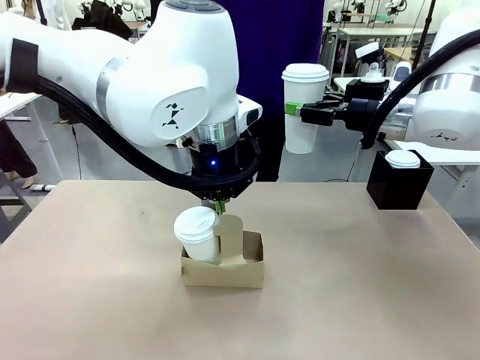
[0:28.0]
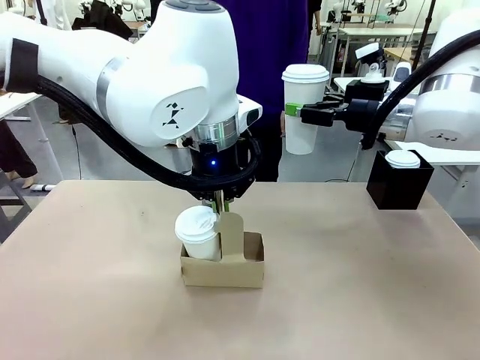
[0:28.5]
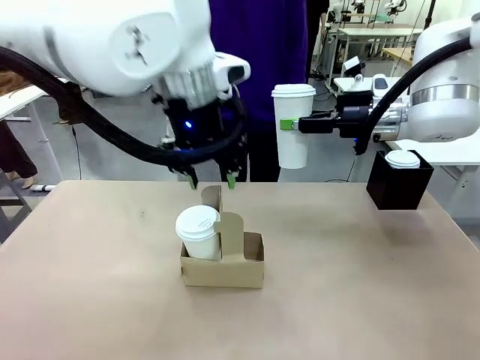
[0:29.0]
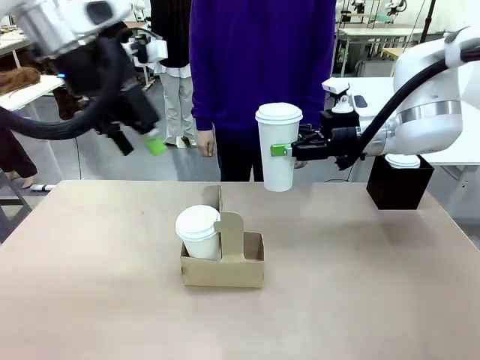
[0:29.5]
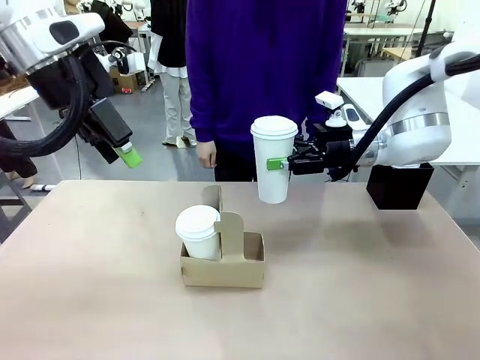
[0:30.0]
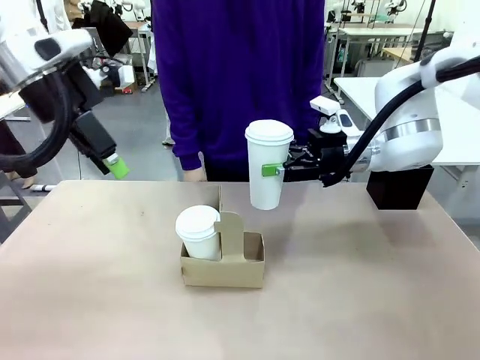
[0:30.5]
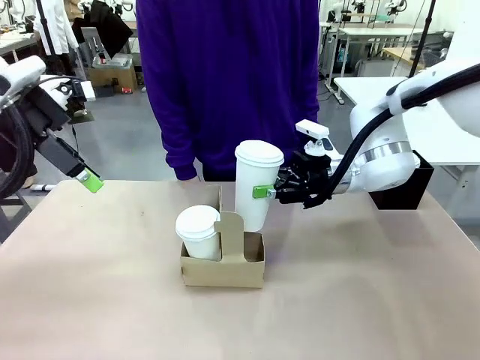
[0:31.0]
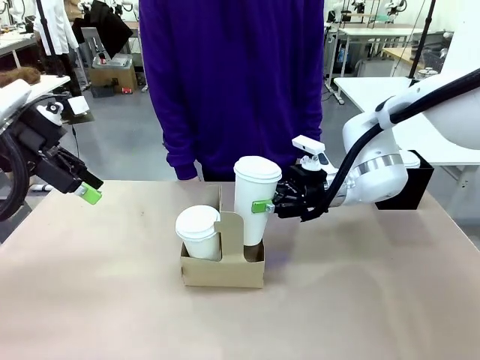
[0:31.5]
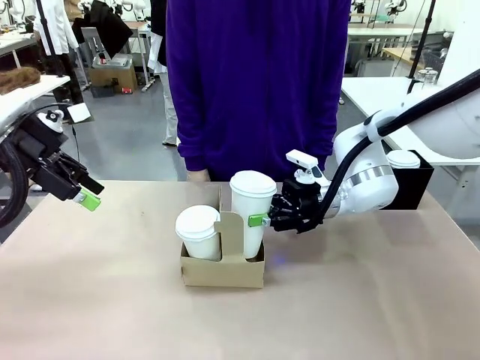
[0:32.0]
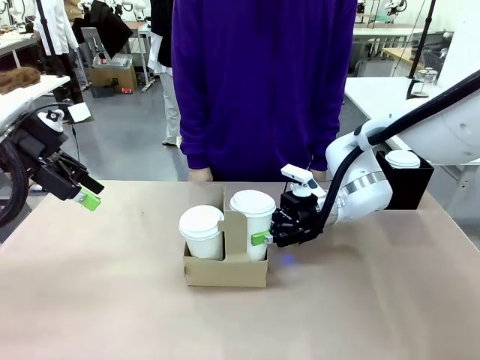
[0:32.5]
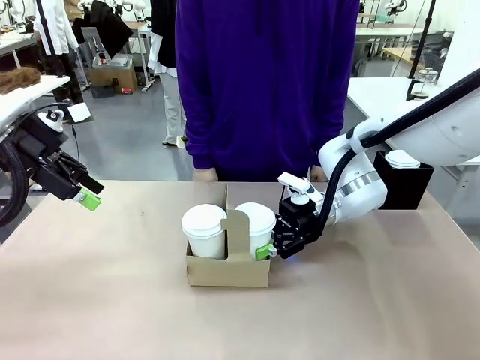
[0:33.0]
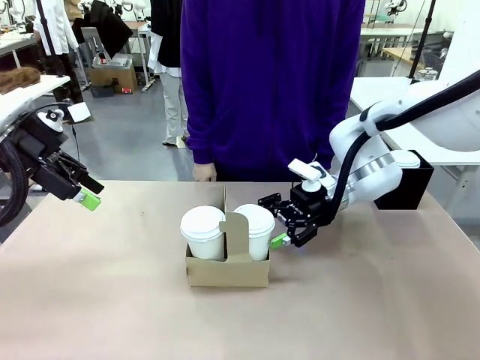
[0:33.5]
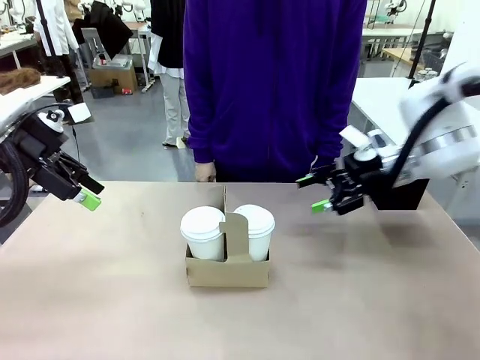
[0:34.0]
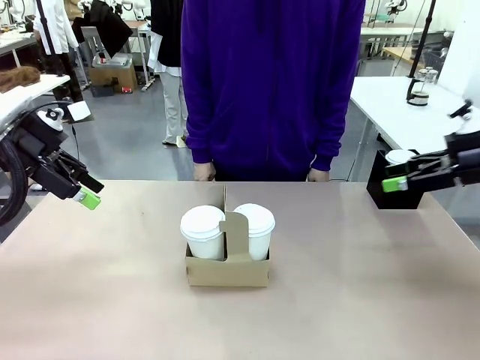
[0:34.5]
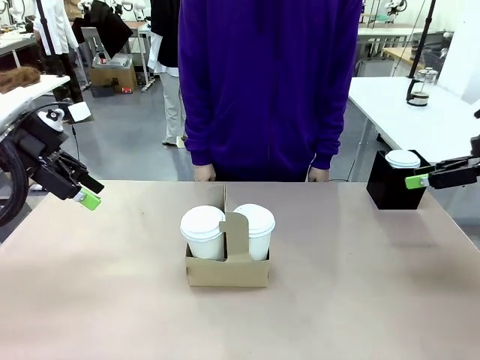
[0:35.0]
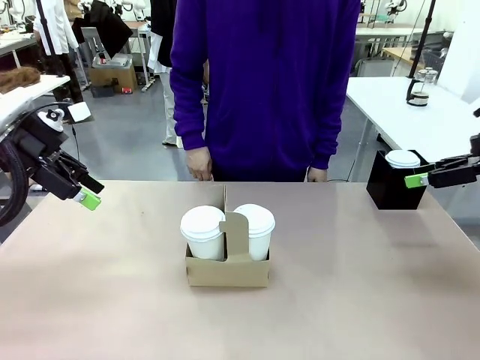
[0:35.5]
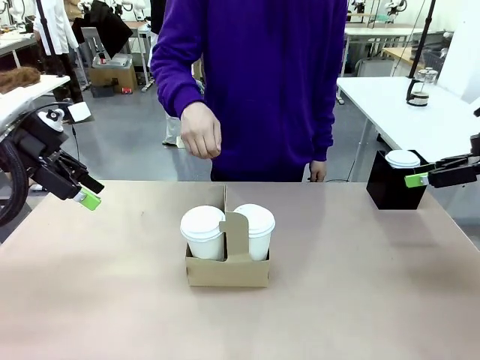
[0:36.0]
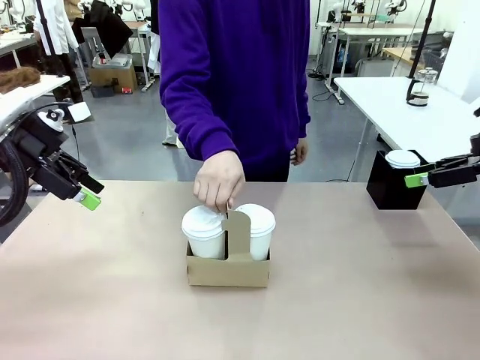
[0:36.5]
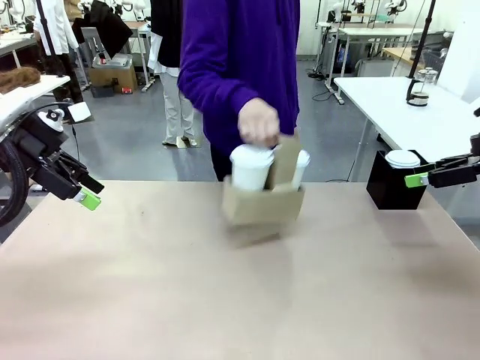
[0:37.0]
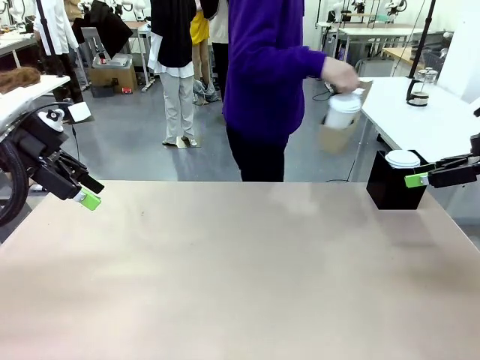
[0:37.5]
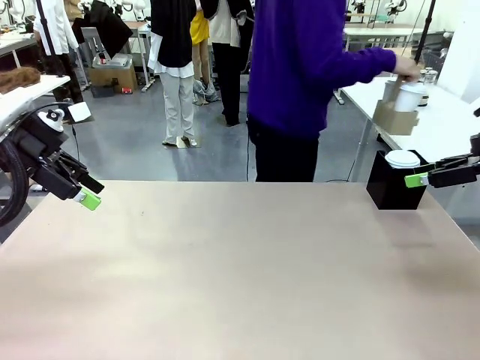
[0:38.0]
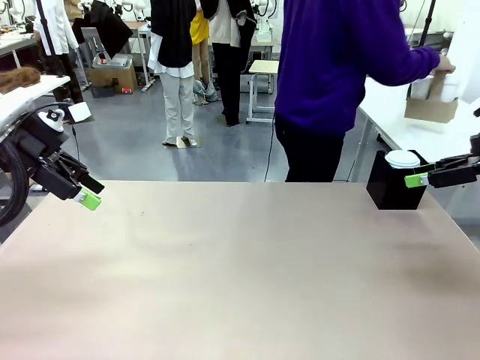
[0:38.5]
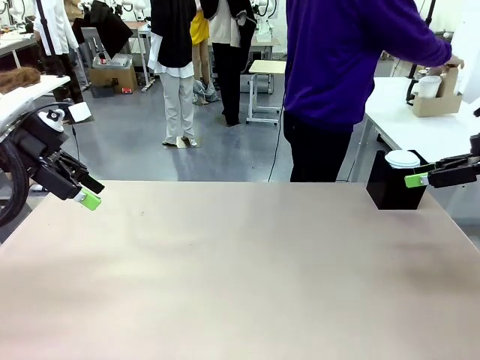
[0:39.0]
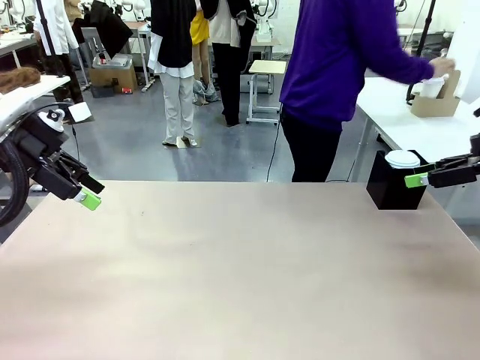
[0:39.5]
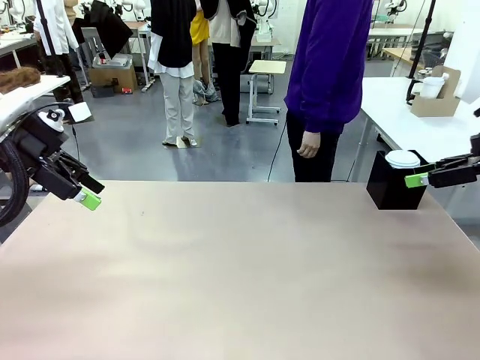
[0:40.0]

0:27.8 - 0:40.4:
Task: Pour a drink into a cup and package it in a carrier.
Robot: Insert the held 600 ml Paper Cup into the Cup Carrier.
Person: Place the Cup Carrier to the middle of Human table.

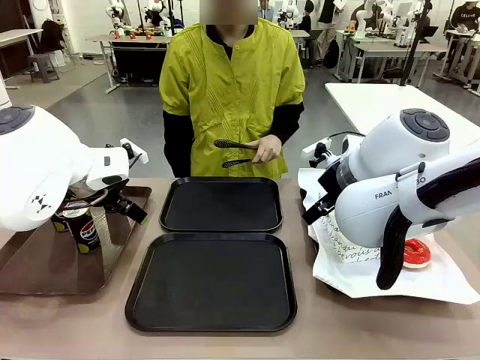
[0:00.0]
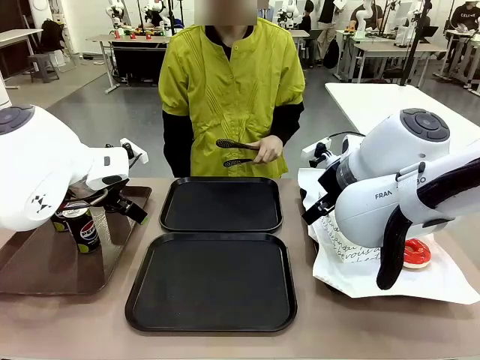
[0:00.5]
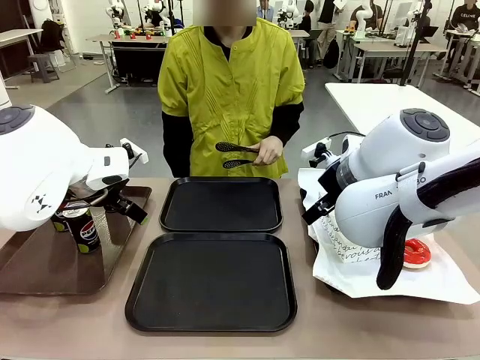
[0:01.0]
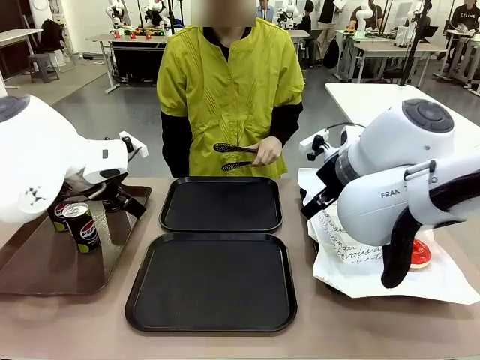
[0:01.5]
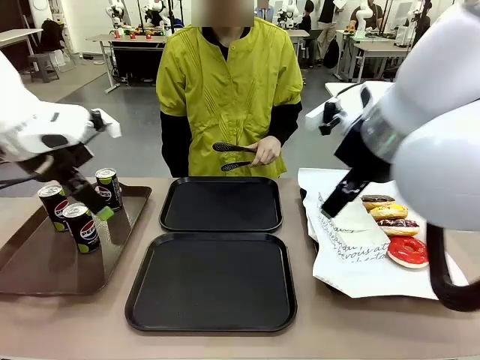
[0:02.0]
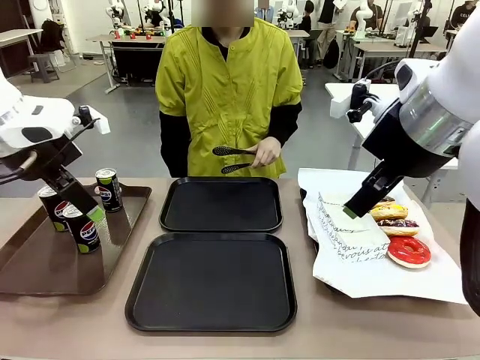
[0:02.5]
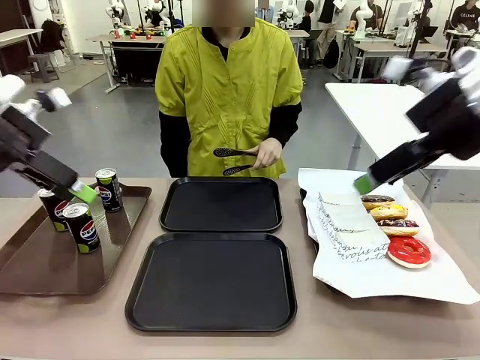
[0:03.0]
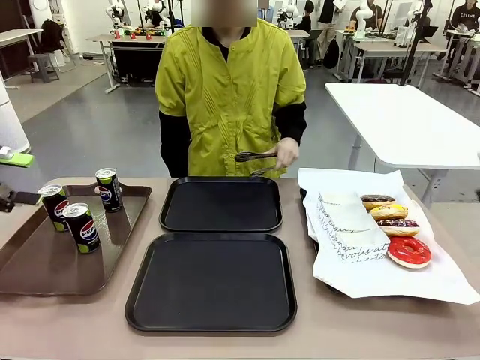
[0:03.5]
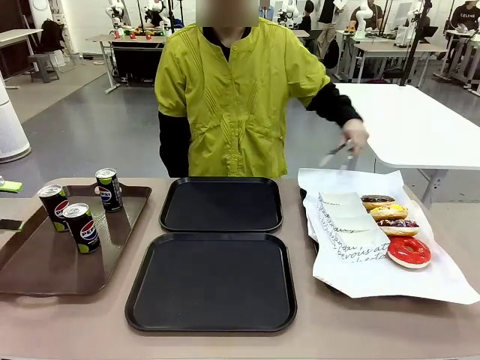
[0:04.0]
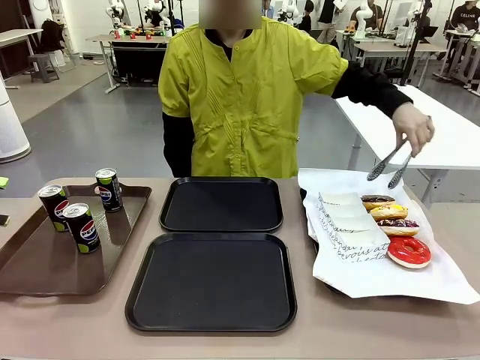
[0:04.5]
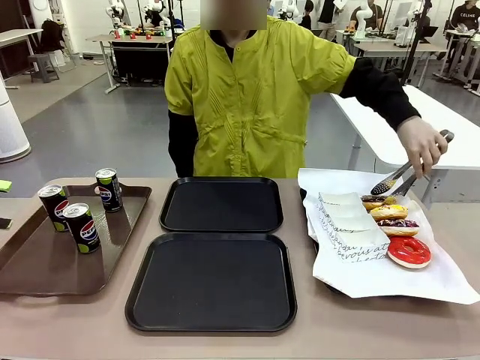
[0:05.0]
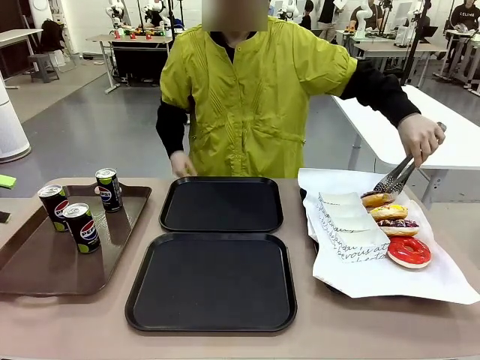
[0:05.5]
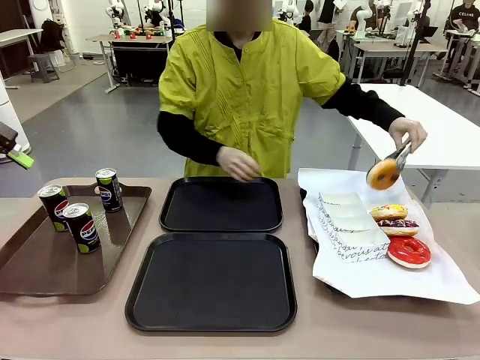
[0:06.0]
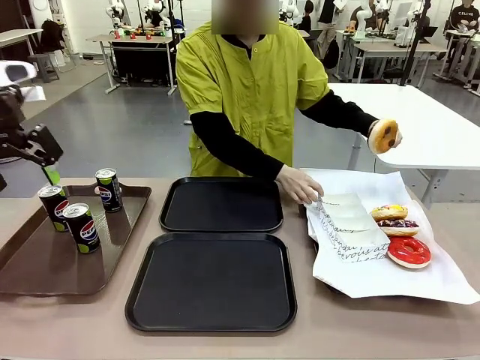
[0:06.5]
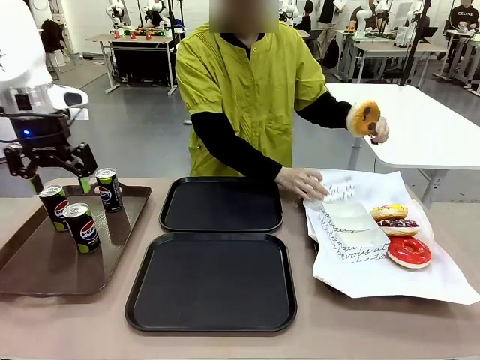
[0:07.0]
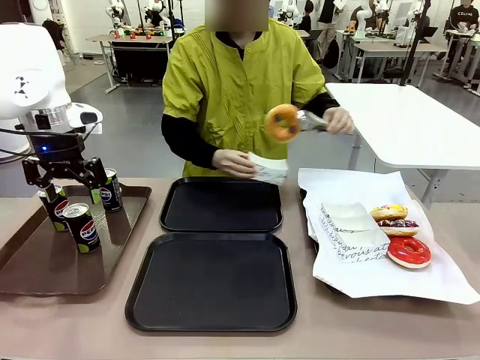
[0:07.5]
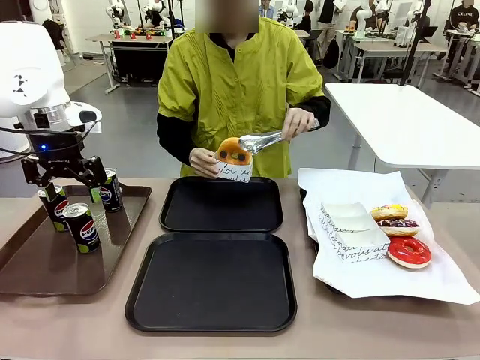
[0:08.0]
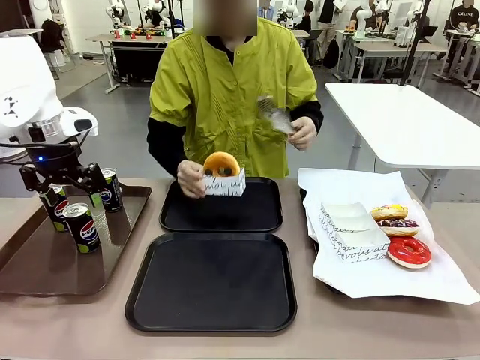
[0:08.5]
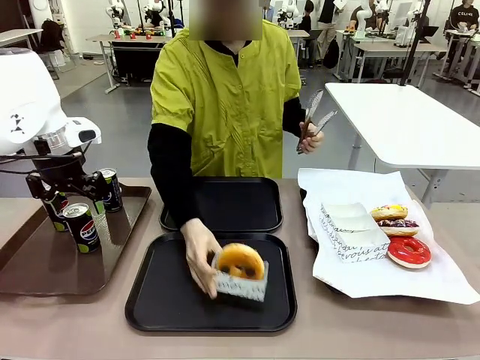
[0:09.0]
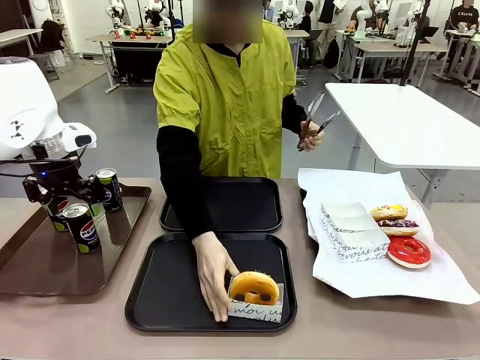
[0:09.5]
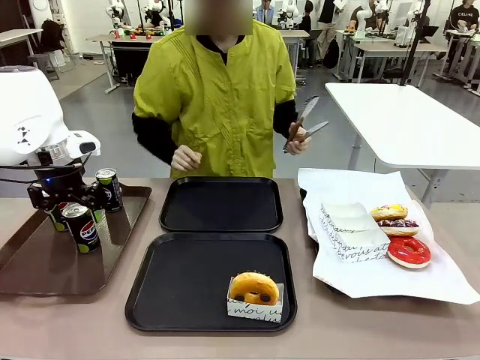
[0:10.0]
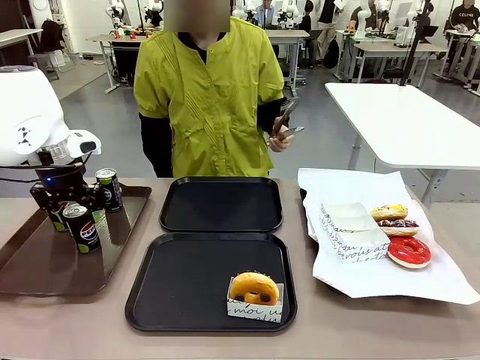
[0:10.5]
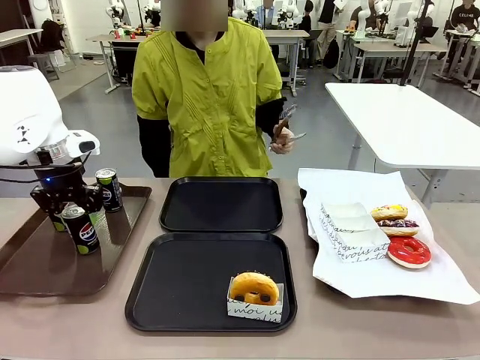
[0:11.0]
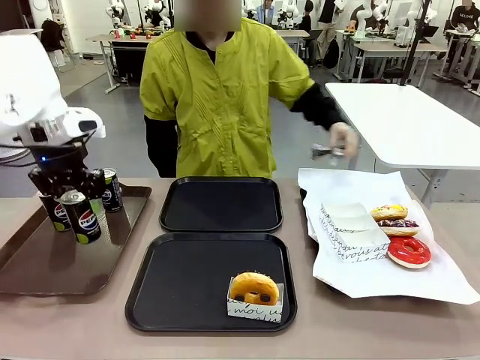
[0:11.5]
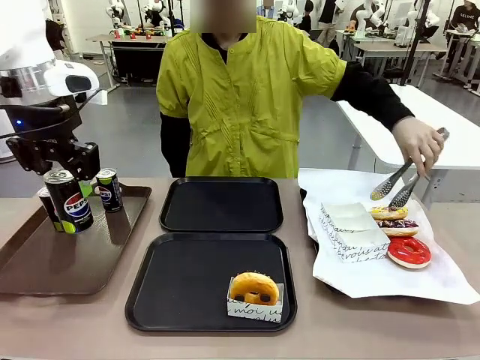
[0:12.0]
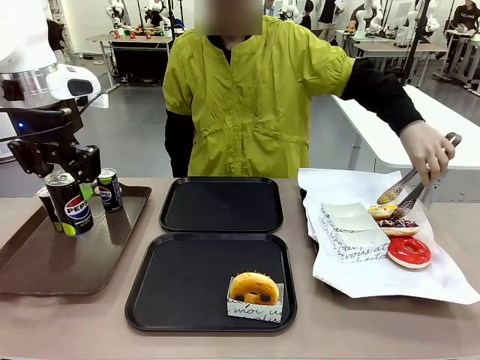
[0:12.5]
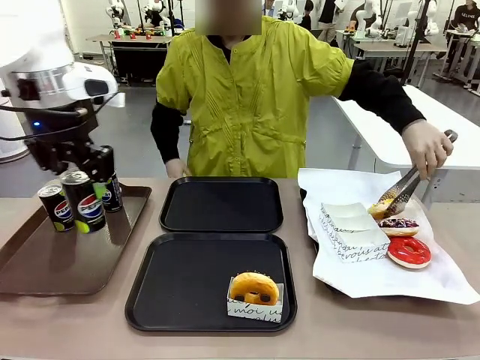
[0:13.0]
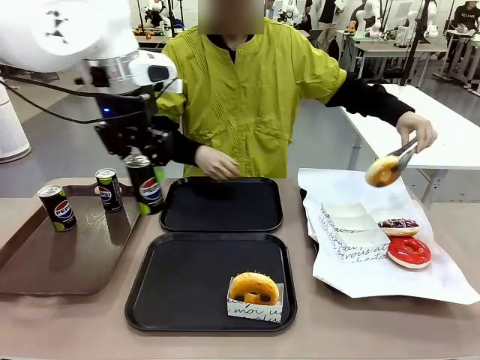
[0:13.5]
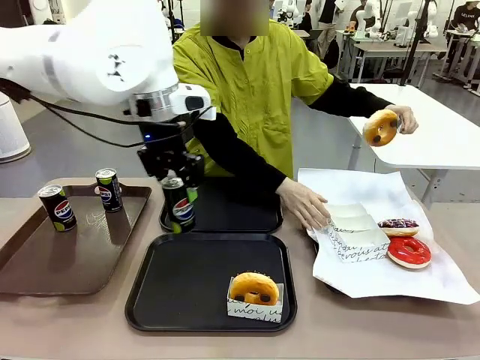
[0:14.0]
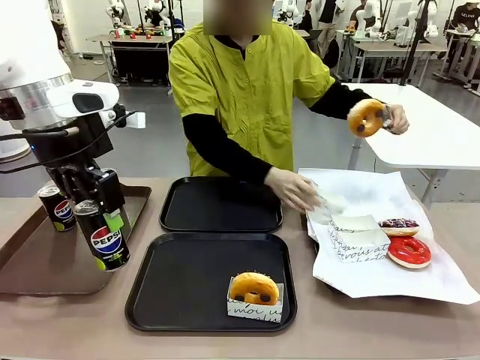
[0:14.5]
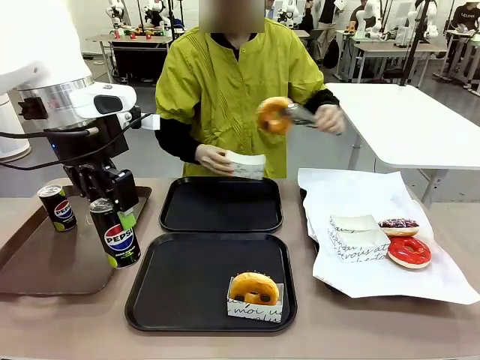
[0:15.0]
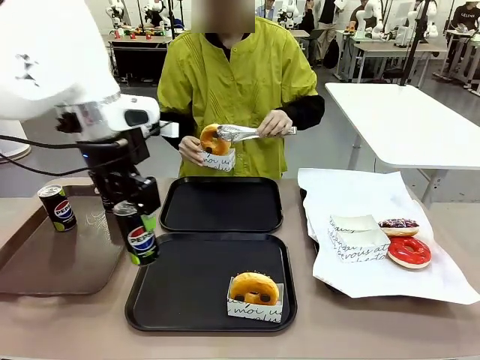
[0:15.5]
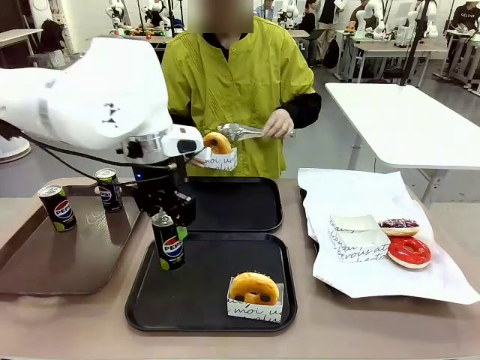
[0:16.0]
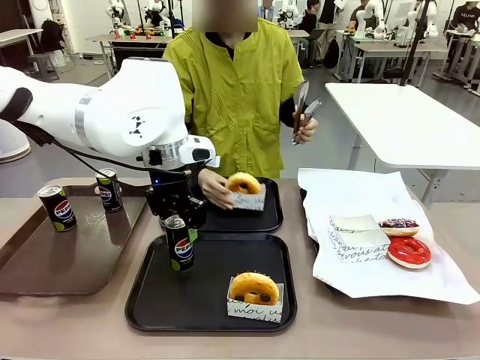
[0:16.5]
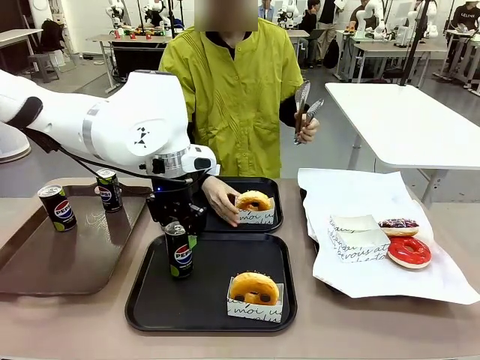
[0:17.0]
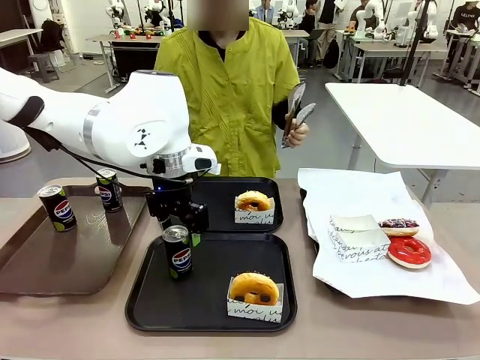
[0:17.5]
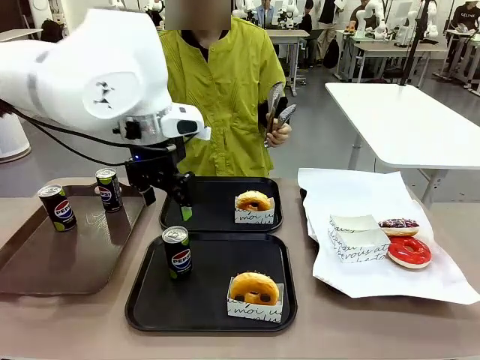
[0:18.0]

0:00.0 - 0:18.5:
Task: Set up donuts and drinks on trays.
Robot: Pick up one Pepsi coke and place it on the Flat Tray.
